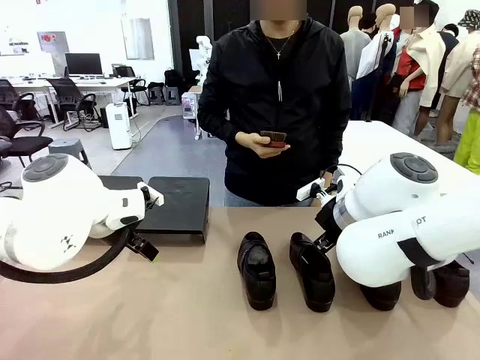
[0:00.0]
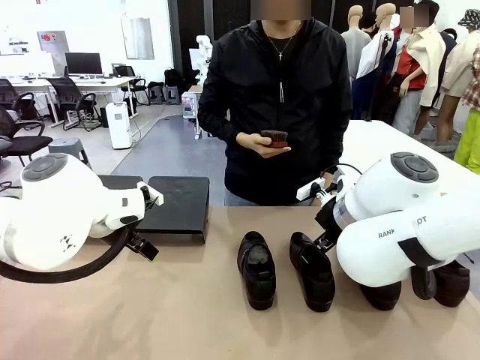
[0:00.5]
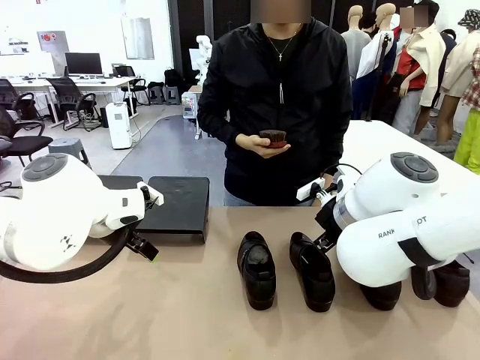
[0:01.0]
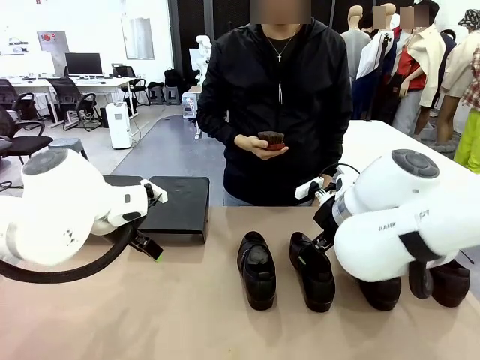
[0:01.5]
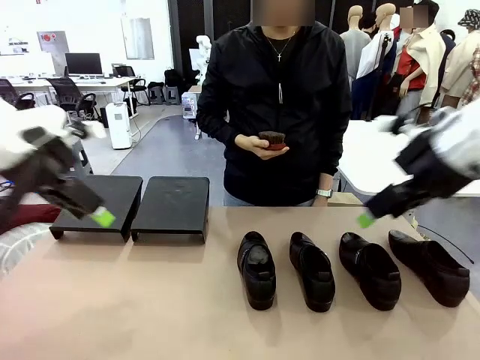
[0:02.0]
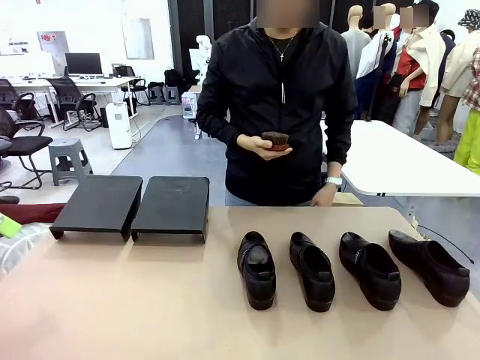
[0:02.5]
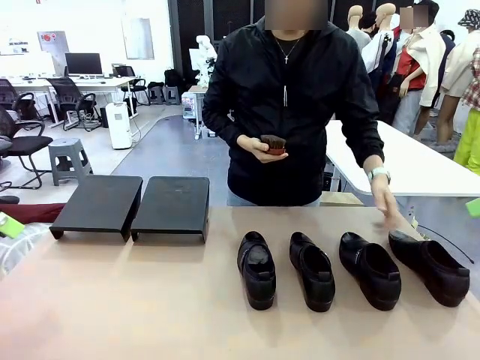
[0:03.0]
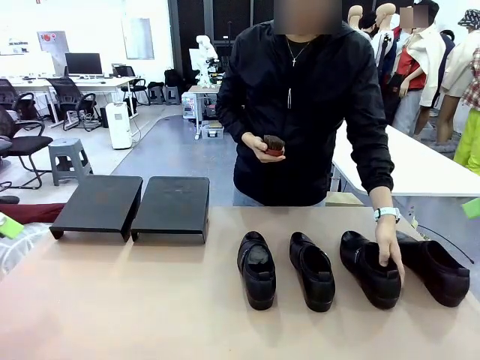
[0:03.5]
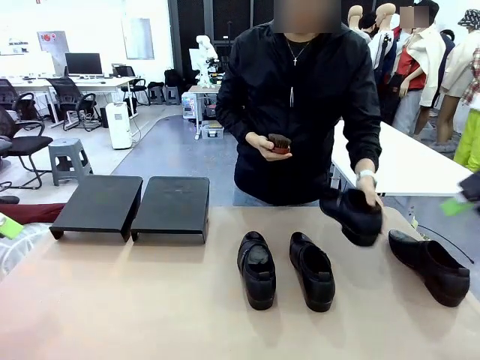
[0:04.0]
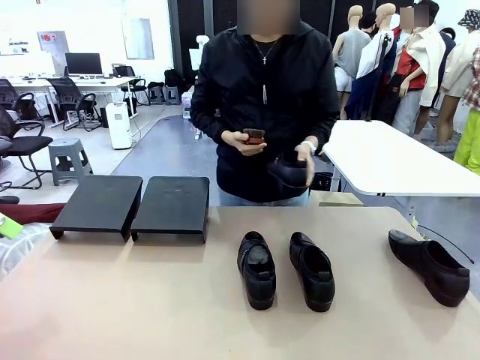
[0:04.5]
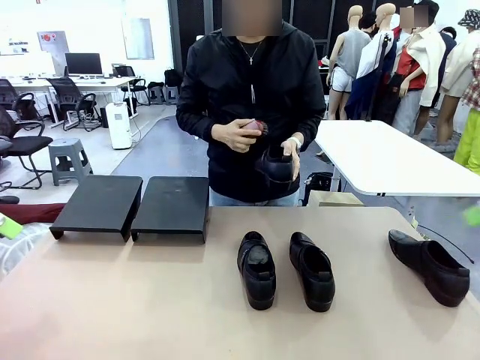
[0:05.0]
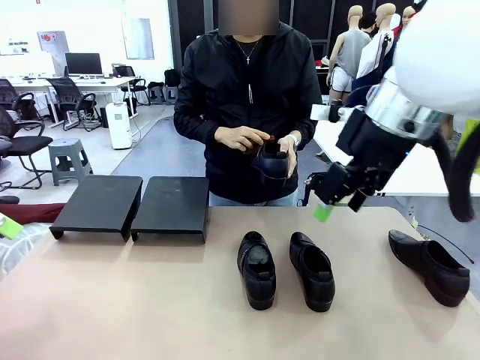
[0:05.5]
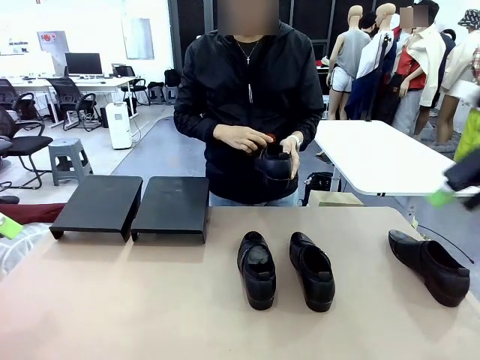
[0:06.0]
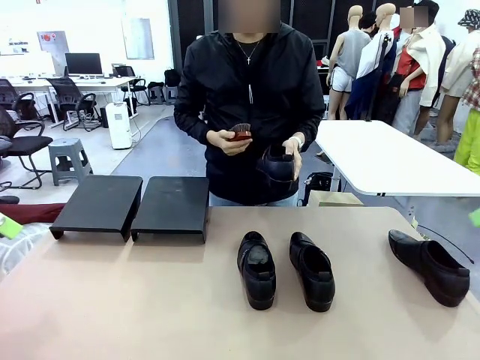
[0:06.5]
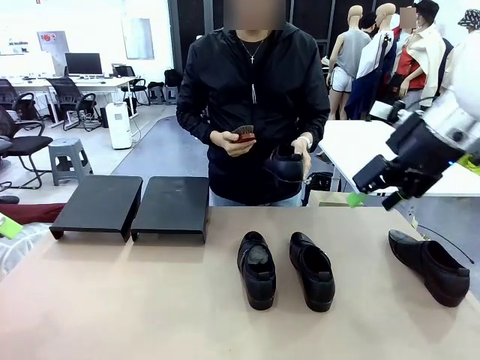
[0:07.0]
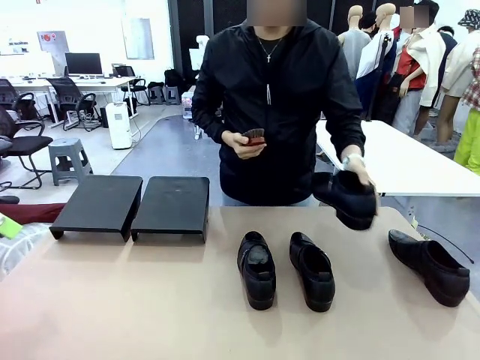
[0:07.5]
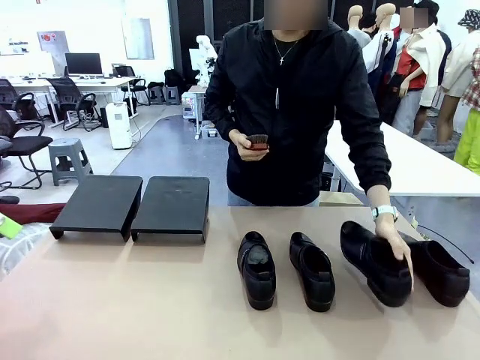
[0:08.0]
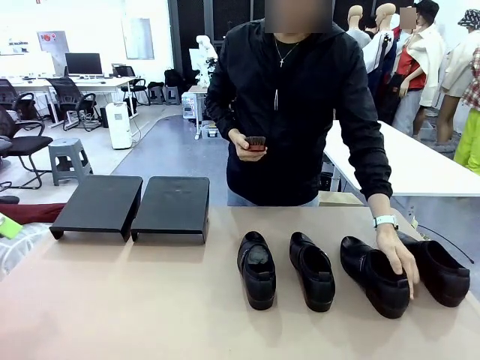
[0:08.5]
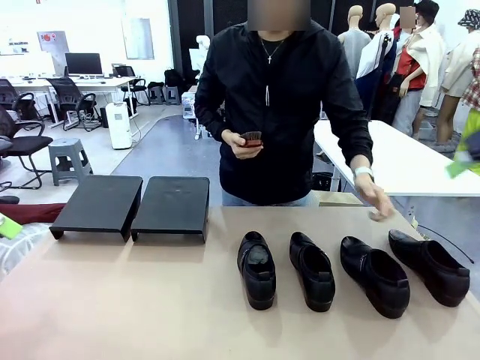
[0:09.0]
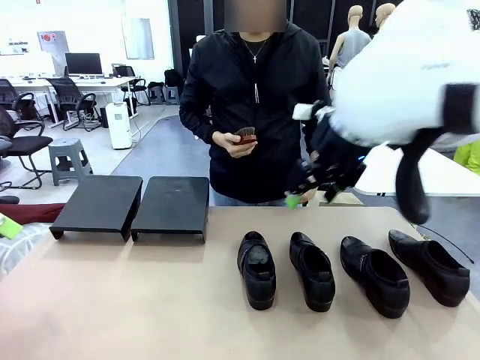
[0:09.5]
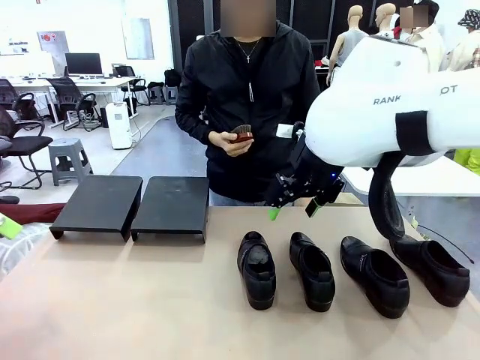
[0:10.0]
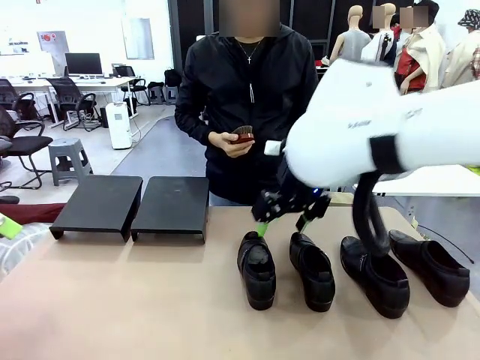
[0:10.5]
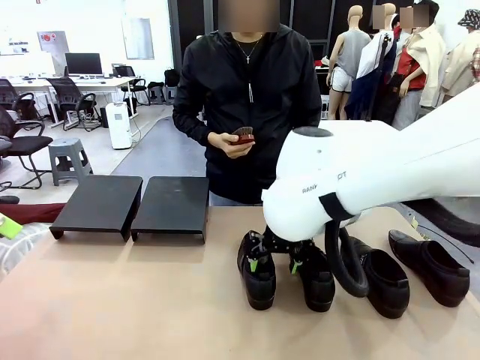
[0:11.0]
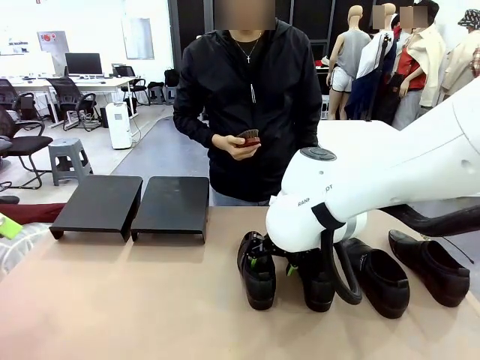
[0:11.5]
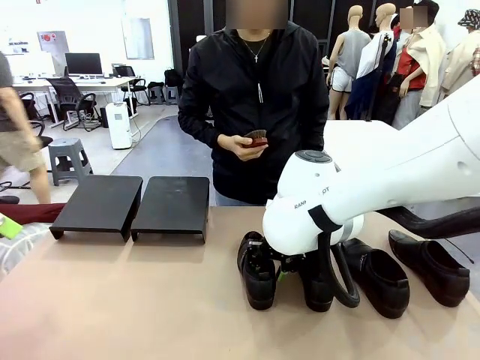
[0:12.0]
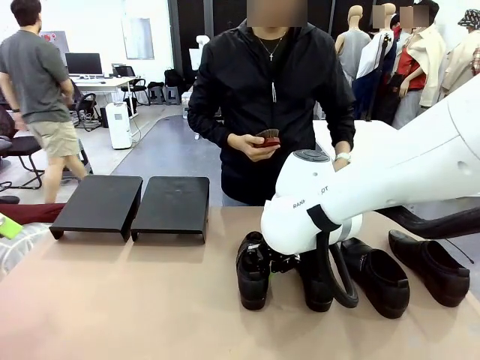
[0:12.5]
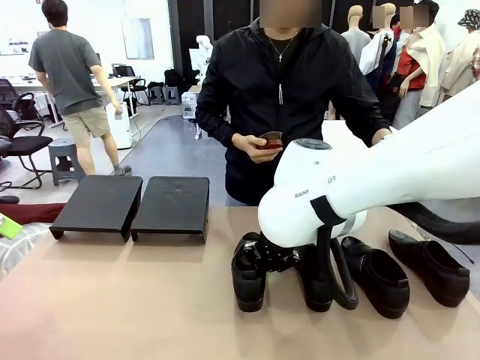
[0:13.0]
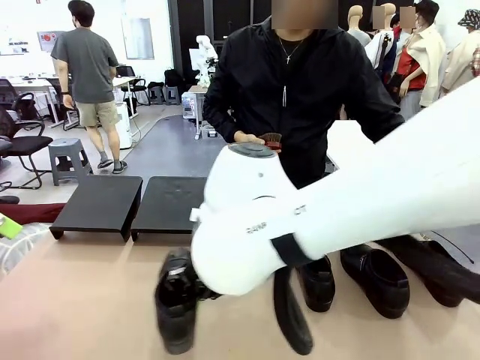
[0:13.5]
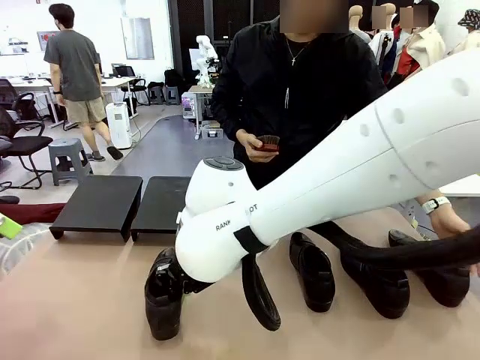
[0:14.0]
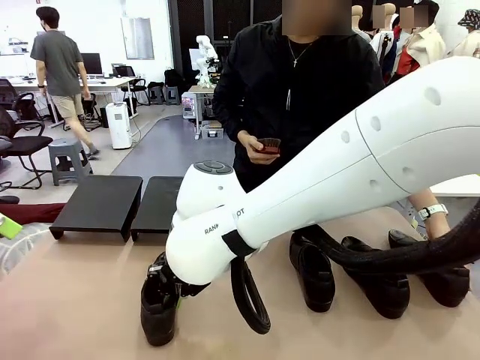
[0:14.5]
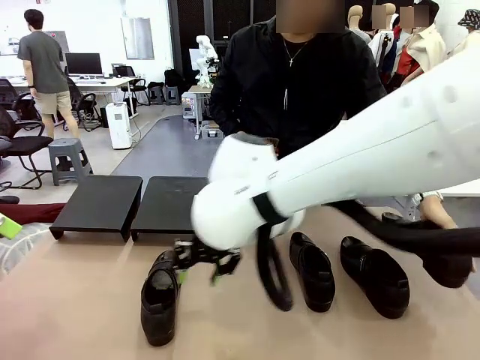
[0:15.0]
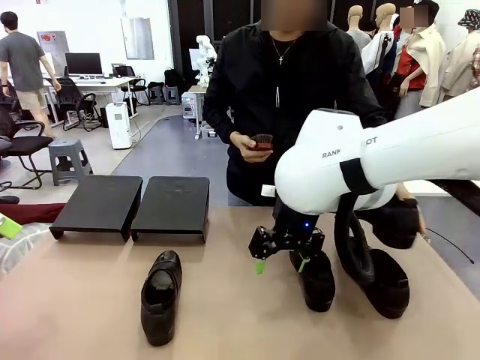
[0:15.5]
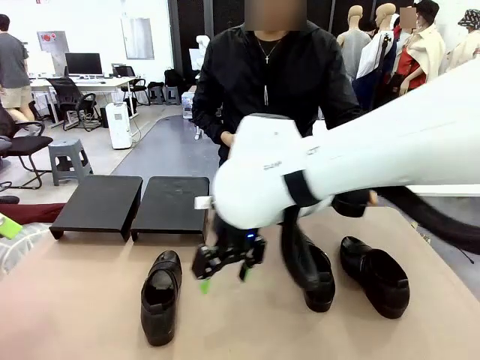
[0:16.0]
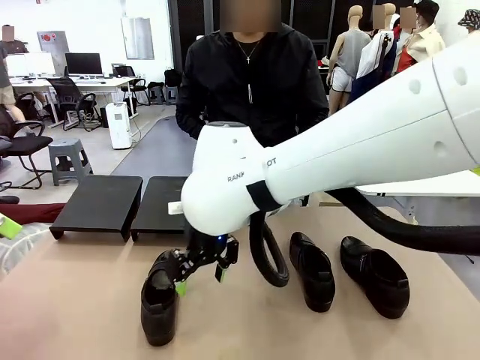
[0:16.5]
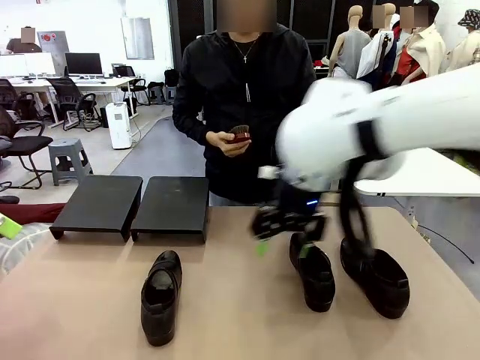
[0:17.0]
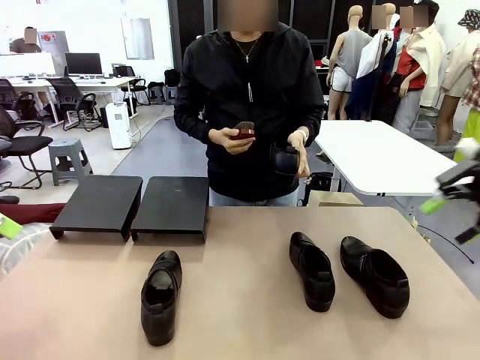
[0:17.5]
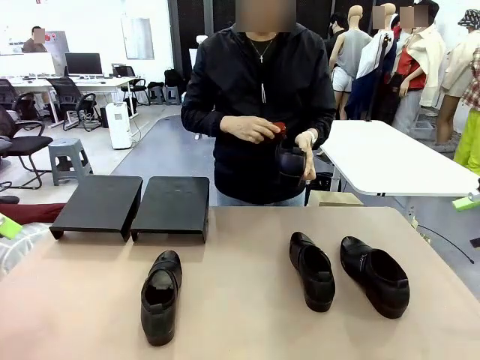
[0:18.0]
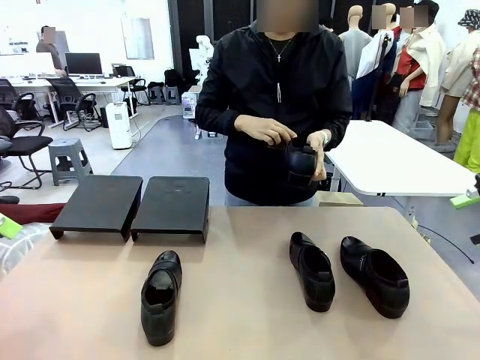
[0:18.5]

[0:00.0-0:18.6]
Task: Organize the shoes by placing them on the stand.
Robot: Pick up one Shoe and place it in the middle of the table.
Person: Pick one Shoe on Robot's table. Clean the Shoe with the Shoe Brush. Place the Shoe on left side of the Robot's table. Pick one Shoe on Robot's table.
